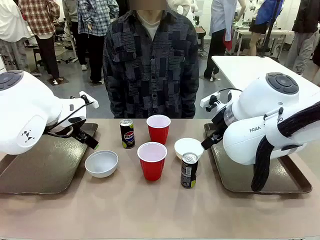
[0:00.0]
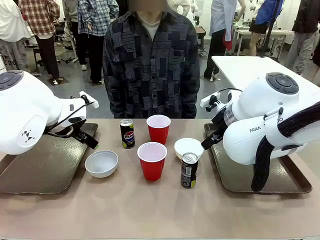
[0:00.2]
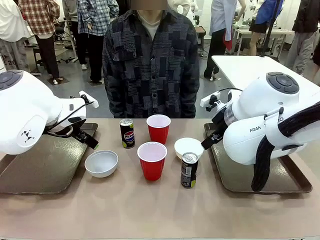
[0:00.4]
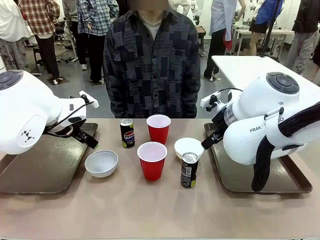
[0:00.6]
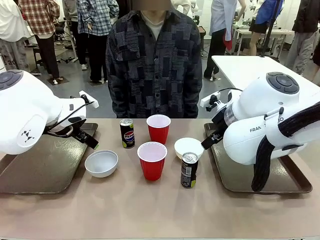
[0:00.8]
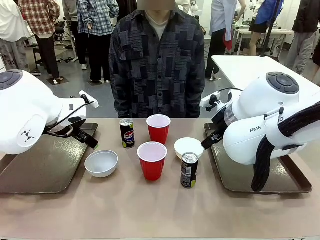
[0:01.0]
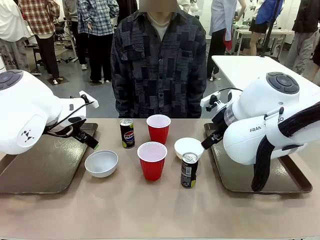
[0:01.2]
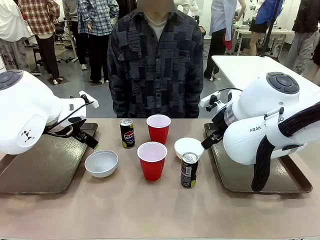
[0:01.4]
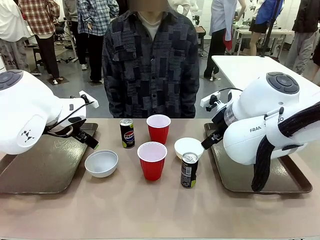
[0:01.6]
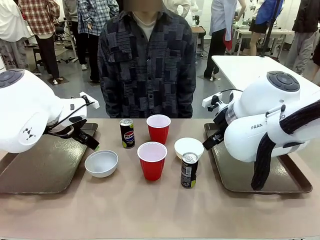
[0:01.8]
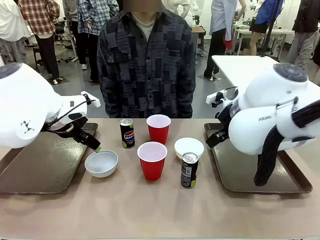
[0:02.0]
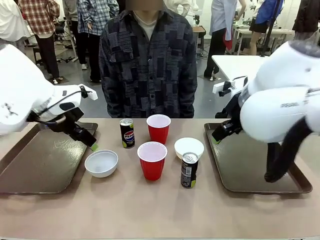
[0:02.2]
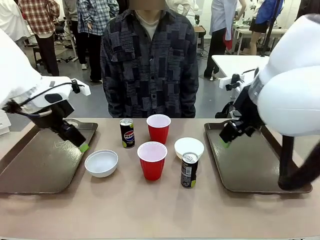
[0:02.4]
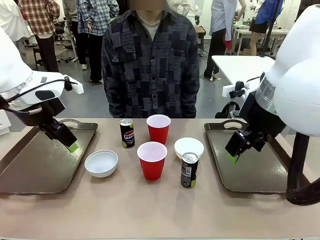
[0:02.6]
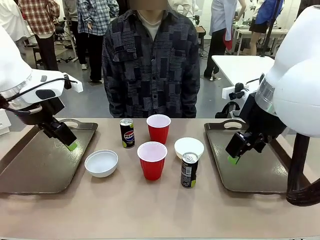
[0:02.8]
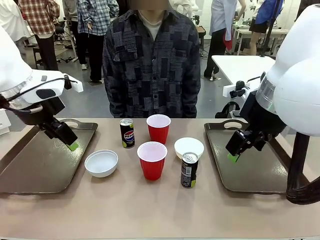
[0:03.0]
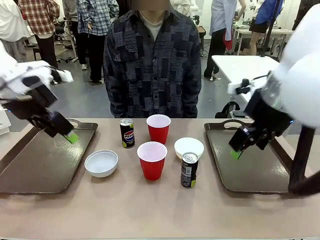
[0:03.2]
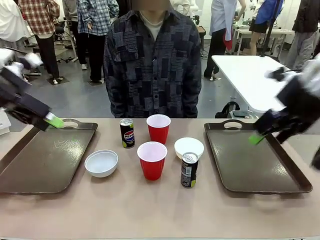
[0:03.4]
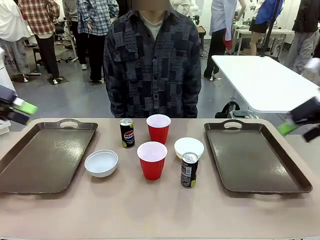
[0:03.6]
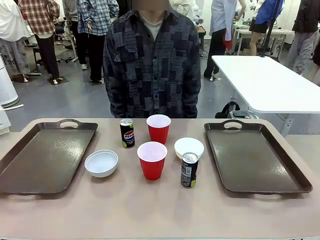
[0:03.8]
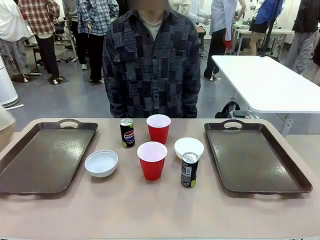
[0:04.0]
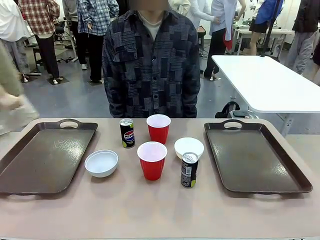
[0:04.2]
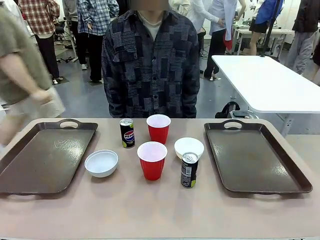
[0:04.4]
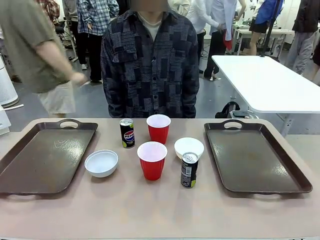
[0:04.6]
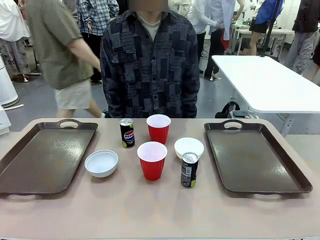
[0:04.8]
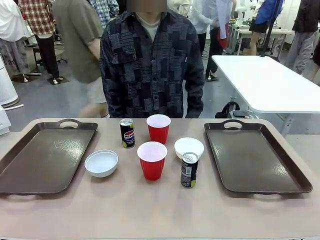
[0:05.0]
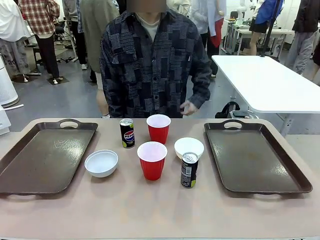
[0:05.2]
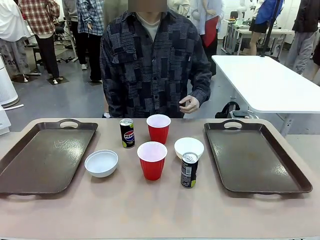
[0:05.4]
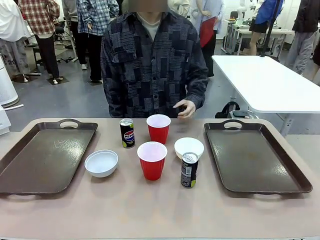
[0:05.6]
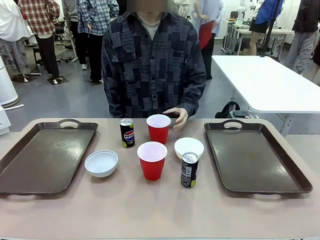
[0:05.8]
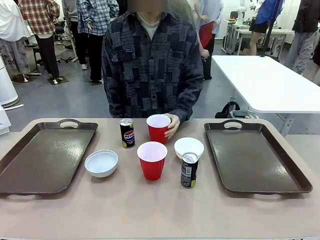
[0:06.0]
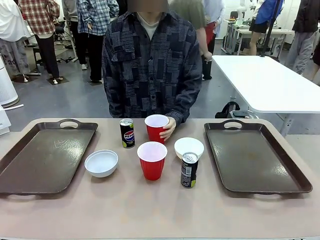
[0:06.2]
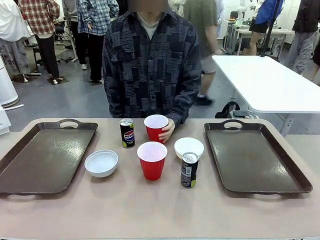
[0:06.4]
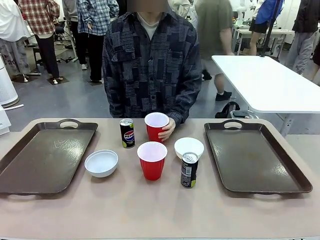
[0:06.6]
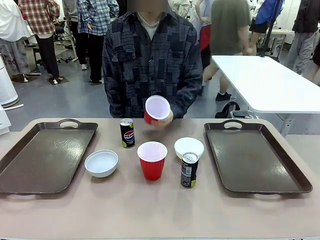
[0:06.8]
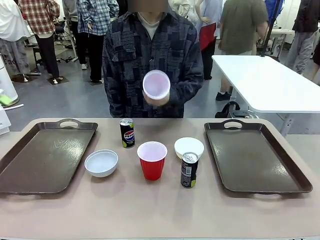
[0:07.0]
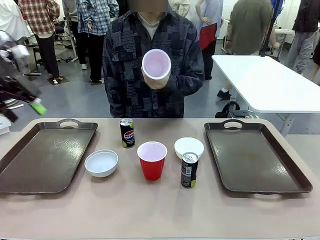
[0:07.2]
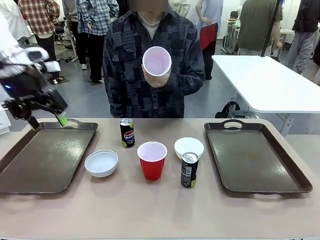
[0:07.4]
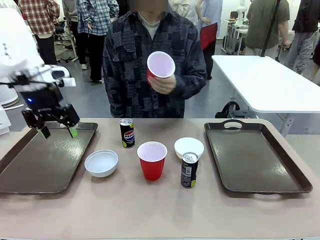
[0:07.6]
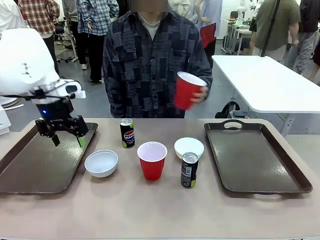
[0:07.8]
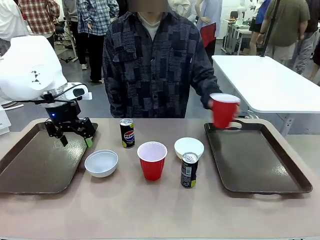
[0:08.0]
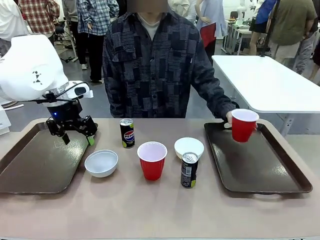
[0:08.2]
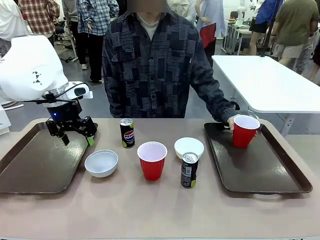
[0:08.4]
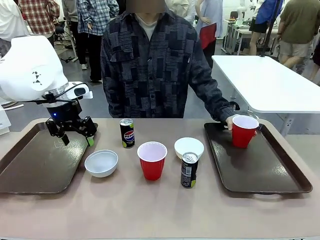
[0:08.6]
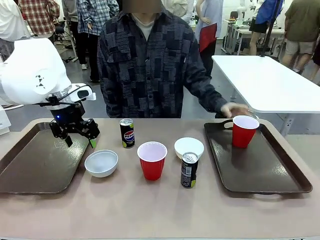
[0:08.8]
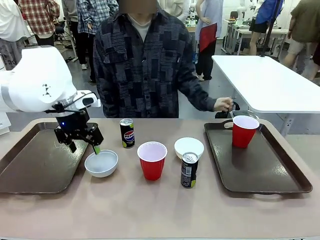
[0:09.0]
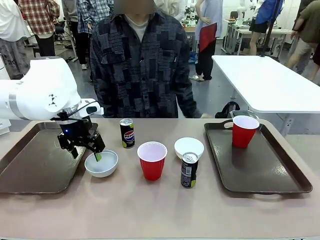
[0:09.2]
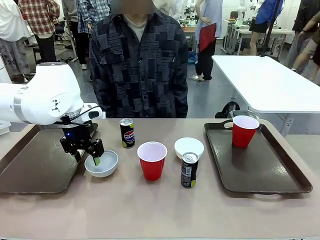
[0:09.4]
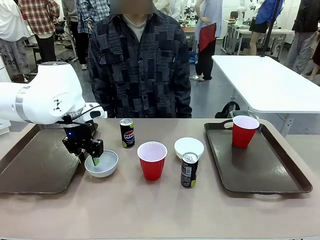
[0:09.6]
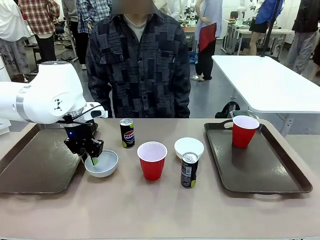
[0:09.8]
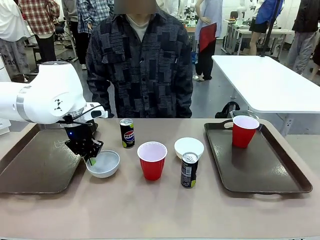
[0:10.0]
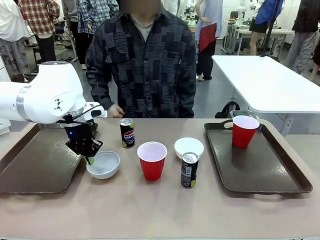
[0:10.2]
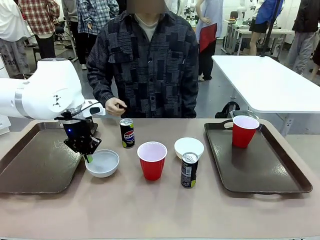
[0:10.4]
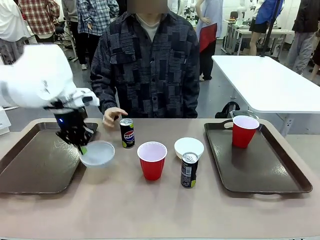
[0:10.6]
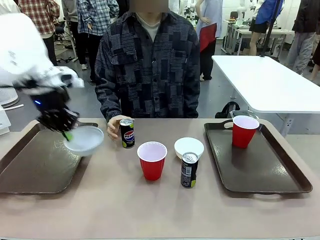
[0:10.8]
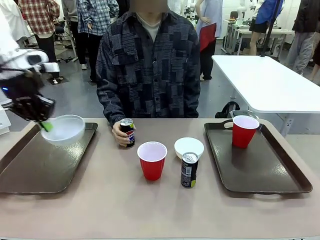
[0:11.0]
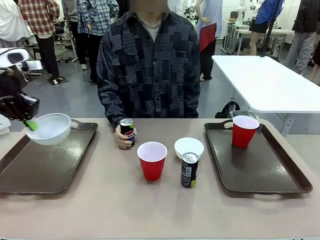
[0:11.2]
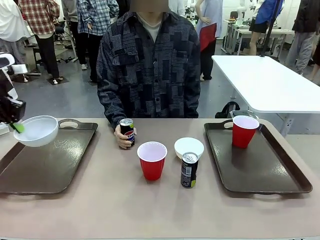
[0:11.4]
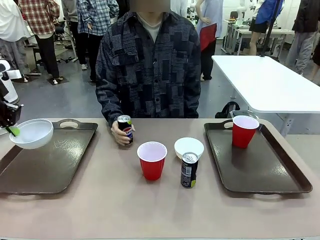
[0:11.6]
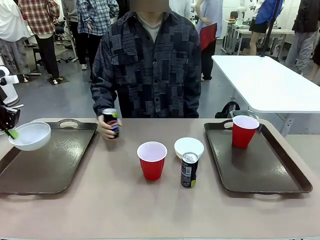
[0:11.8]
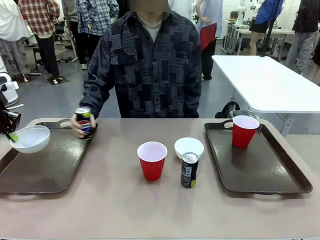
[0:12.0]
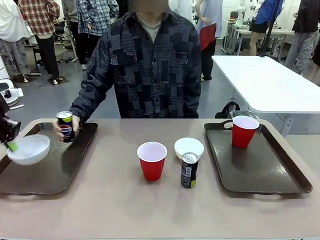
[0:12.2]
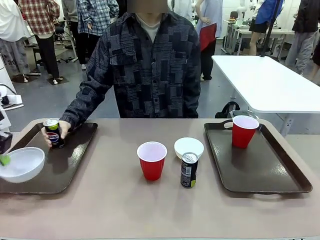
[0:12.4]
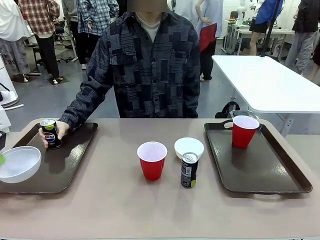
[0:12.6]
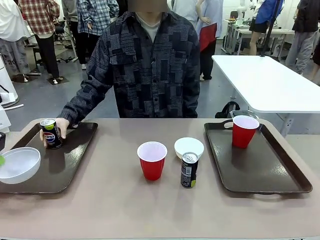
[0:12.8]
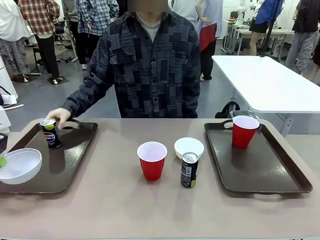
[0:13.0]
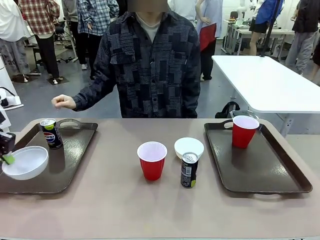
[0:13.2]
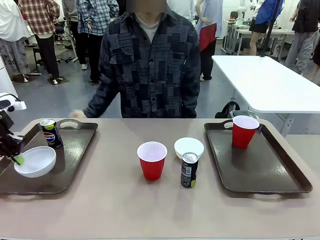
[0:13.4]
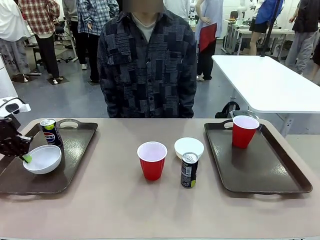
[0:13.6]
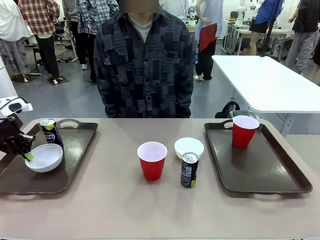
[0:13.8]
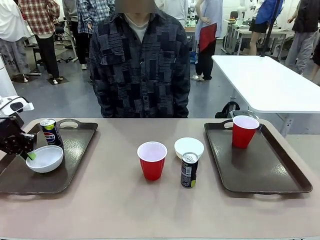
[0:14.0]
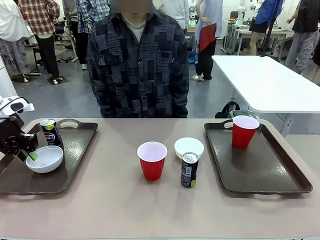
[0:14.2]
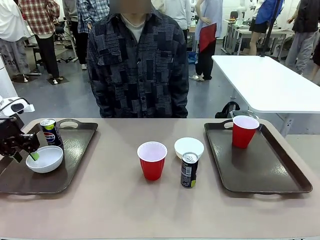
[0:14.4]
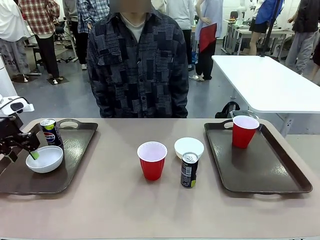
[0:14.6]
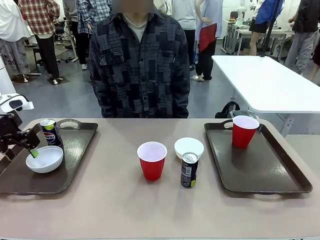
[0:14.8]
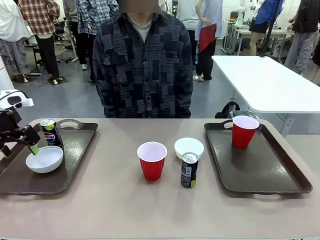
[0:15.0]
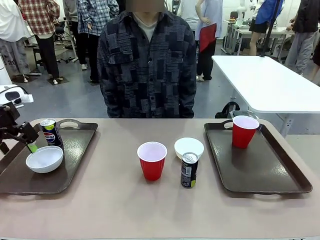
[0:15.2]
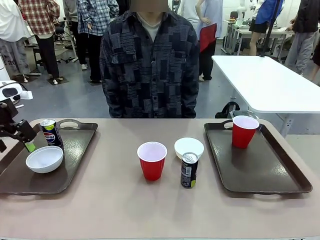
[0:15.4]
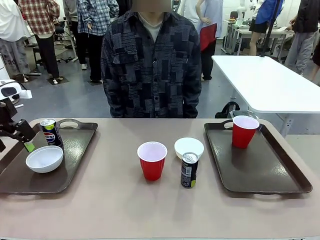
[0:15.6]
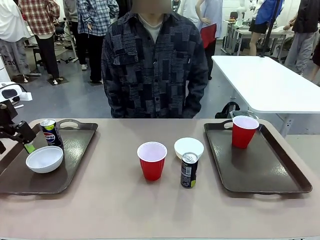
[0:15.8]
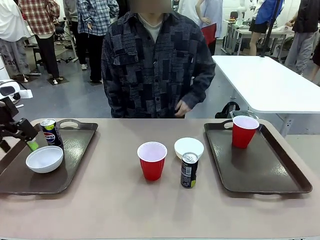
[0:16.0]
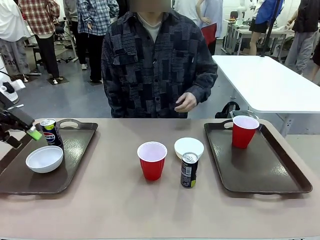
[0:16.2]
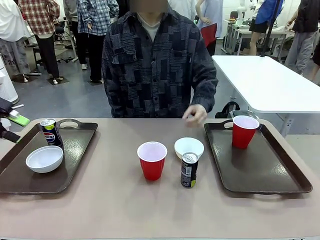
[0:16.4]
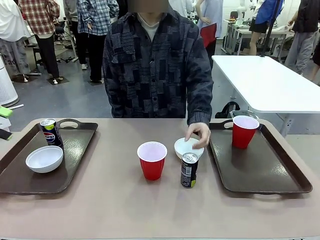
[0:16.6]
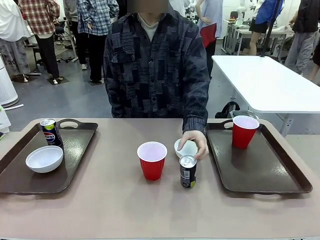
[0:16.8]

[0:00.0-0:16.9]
Task: Prepare tableware on both trays.
Robot: Pick up a Picnic Bowl from the table and place it on a Handle tray.
Person: Pick up a can or cup and place it on the tray.
